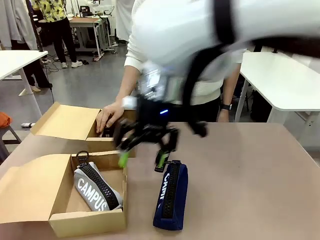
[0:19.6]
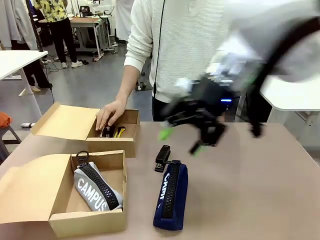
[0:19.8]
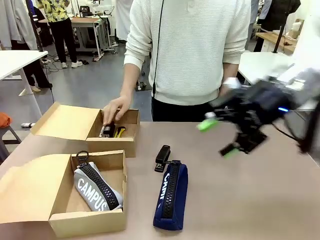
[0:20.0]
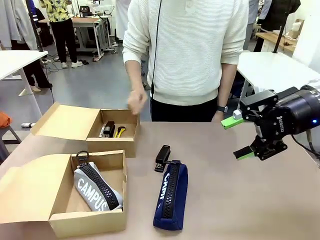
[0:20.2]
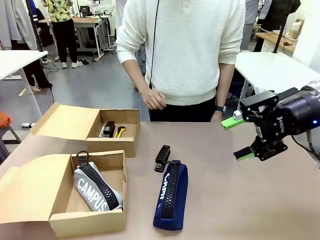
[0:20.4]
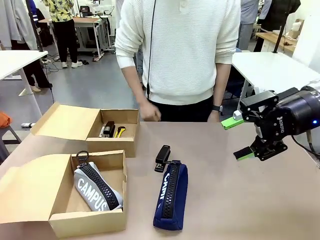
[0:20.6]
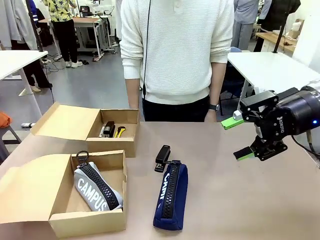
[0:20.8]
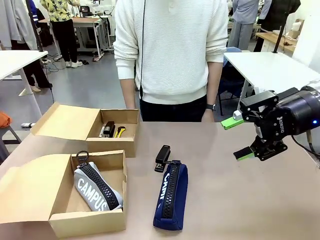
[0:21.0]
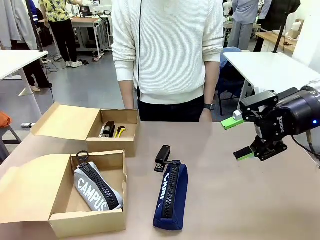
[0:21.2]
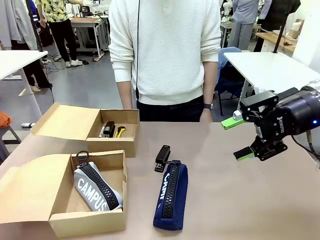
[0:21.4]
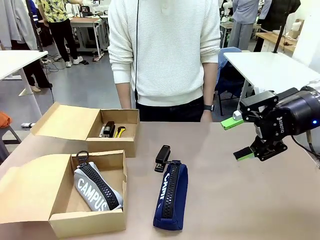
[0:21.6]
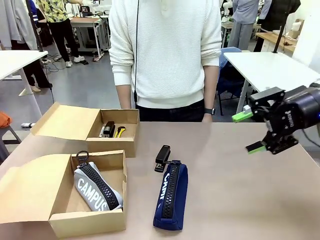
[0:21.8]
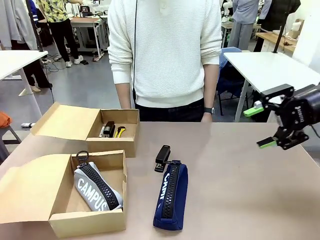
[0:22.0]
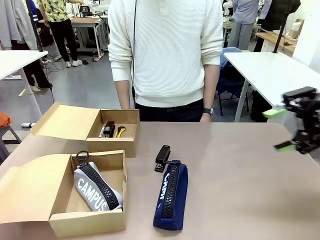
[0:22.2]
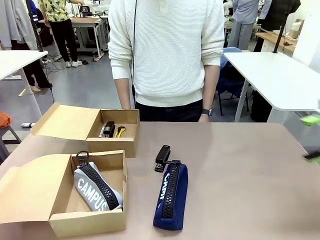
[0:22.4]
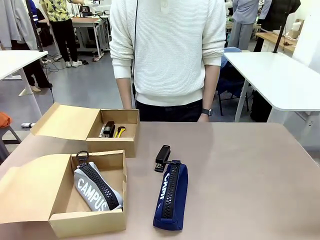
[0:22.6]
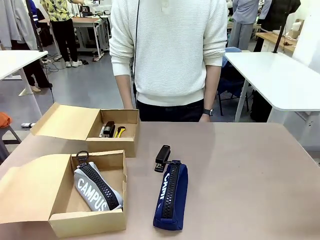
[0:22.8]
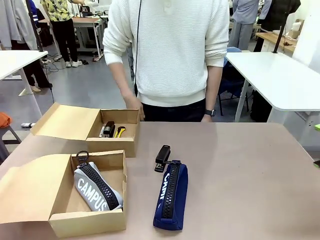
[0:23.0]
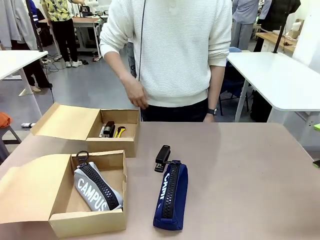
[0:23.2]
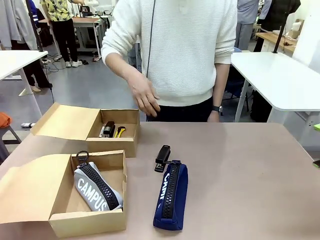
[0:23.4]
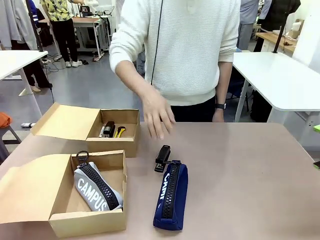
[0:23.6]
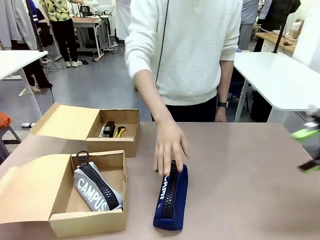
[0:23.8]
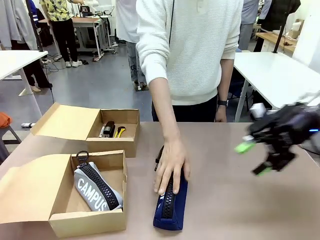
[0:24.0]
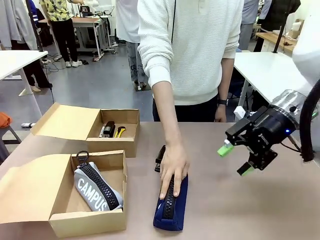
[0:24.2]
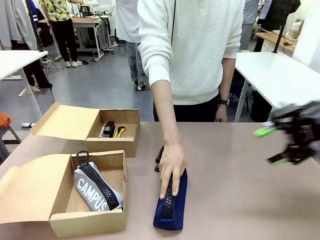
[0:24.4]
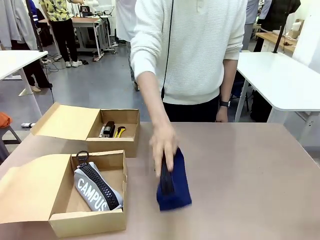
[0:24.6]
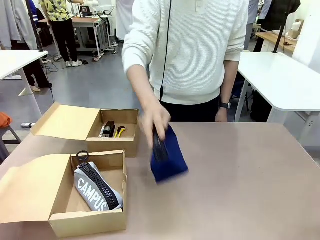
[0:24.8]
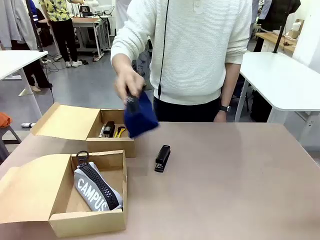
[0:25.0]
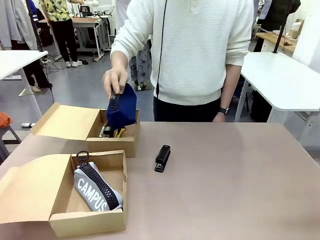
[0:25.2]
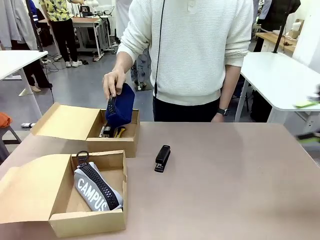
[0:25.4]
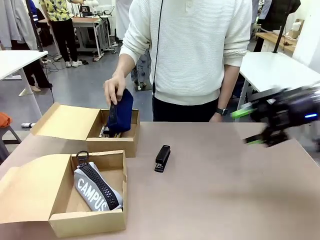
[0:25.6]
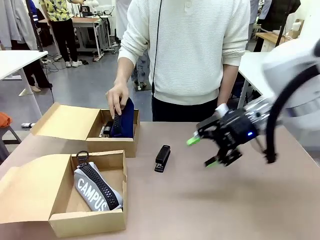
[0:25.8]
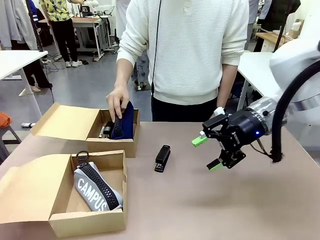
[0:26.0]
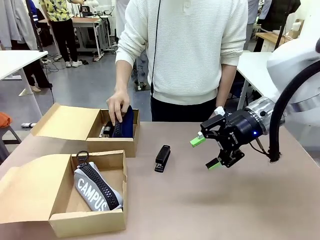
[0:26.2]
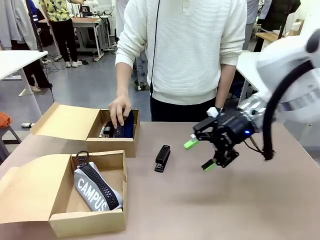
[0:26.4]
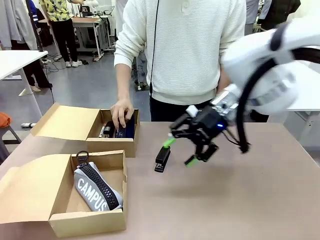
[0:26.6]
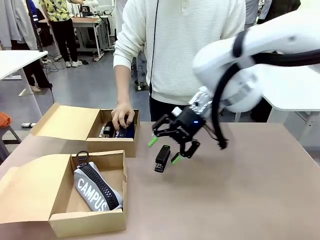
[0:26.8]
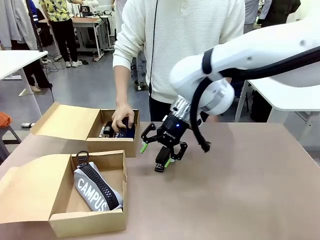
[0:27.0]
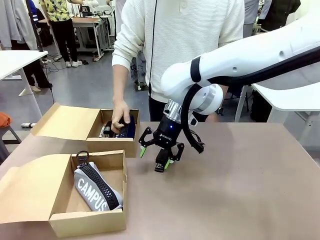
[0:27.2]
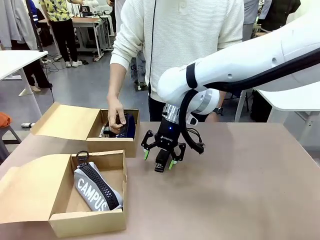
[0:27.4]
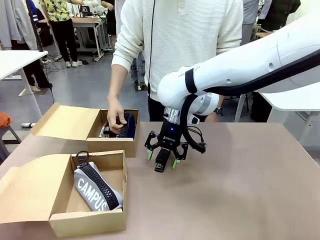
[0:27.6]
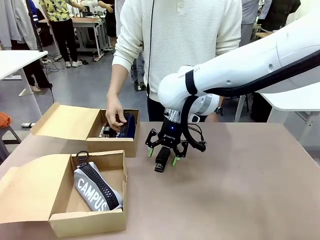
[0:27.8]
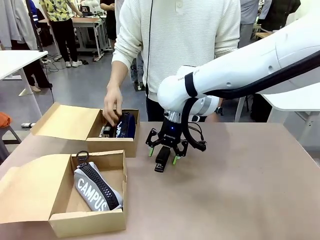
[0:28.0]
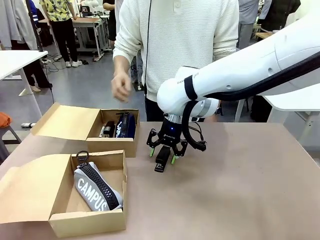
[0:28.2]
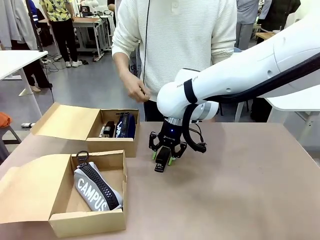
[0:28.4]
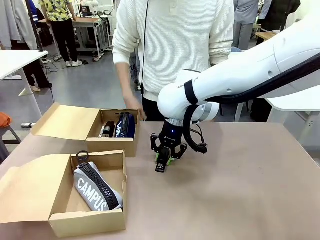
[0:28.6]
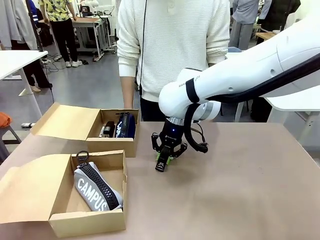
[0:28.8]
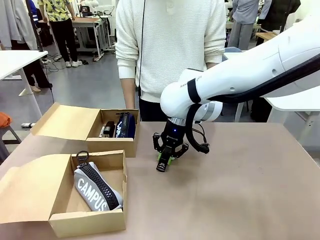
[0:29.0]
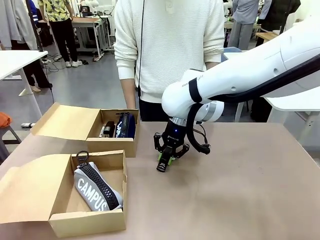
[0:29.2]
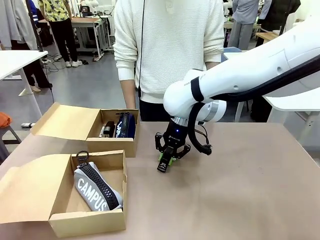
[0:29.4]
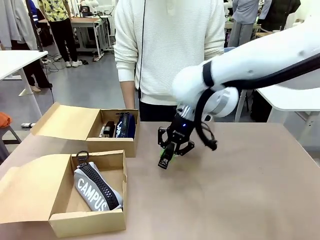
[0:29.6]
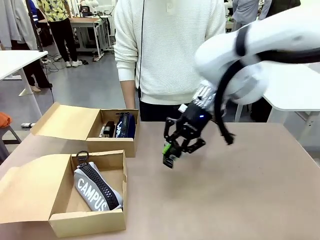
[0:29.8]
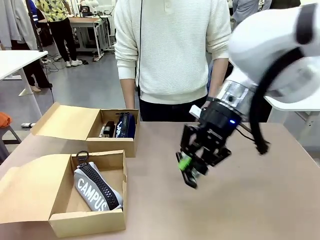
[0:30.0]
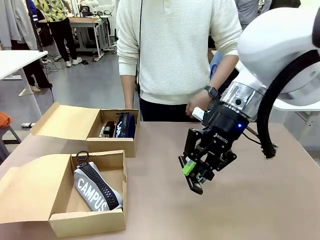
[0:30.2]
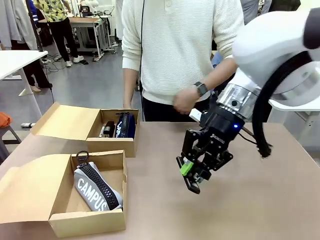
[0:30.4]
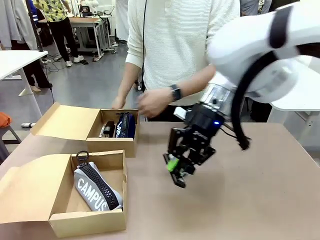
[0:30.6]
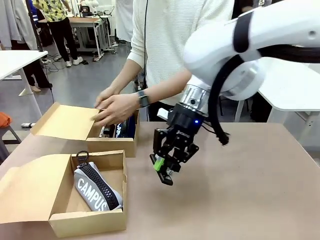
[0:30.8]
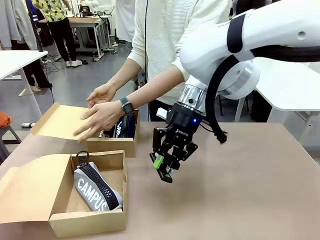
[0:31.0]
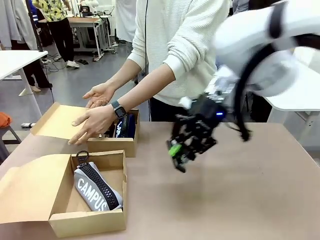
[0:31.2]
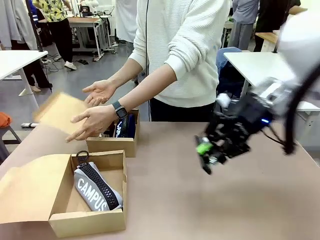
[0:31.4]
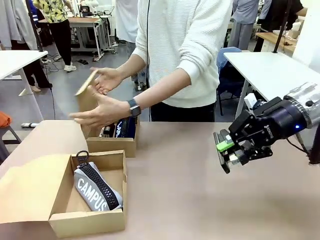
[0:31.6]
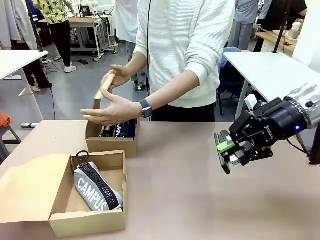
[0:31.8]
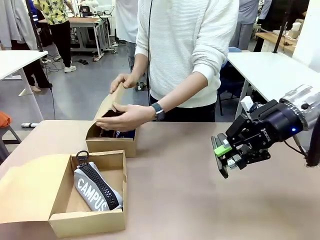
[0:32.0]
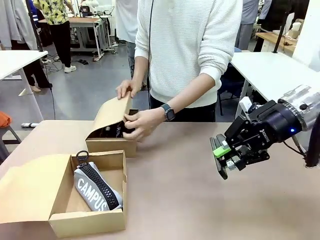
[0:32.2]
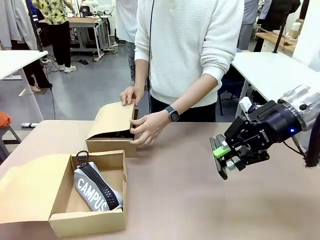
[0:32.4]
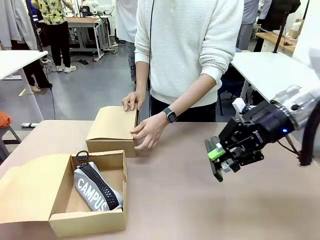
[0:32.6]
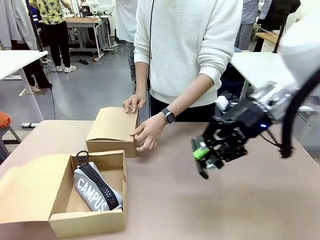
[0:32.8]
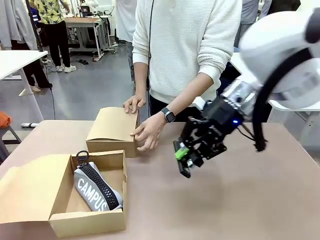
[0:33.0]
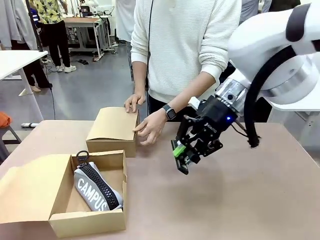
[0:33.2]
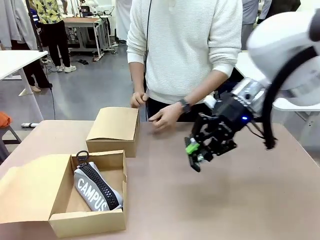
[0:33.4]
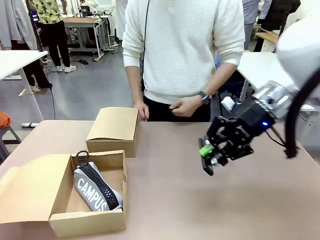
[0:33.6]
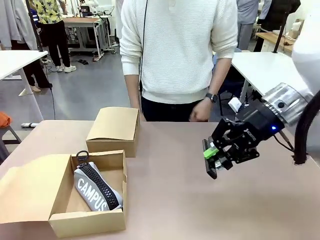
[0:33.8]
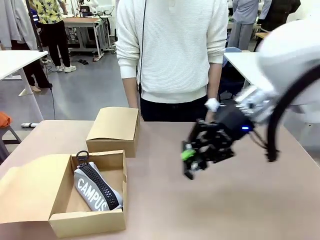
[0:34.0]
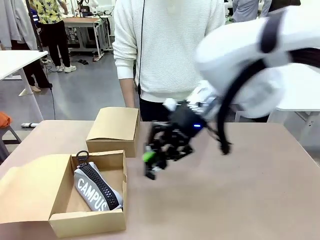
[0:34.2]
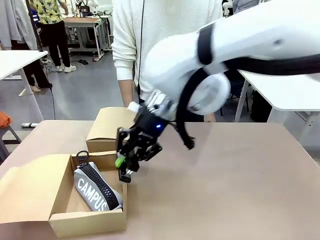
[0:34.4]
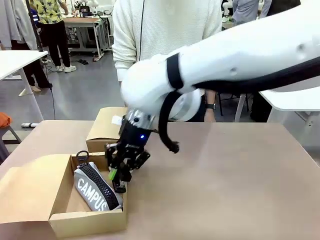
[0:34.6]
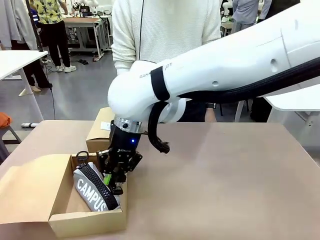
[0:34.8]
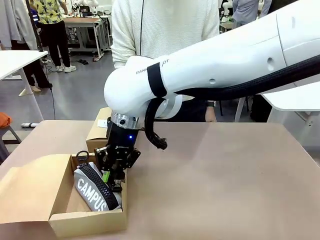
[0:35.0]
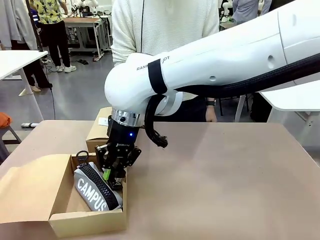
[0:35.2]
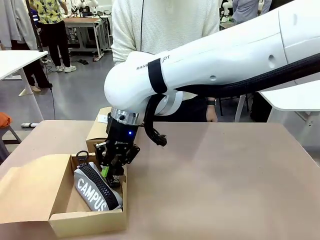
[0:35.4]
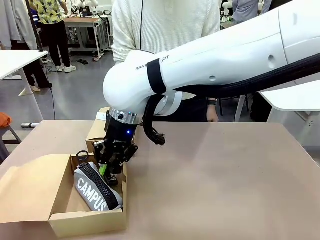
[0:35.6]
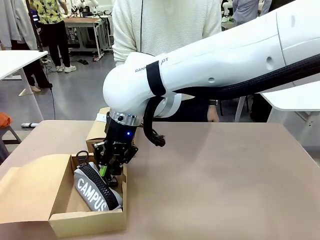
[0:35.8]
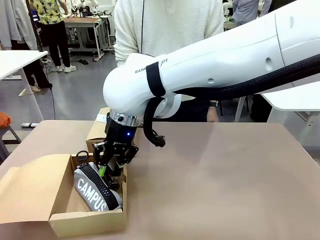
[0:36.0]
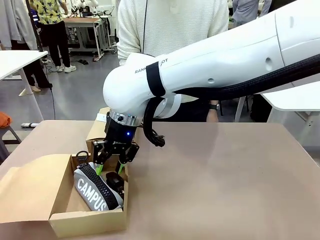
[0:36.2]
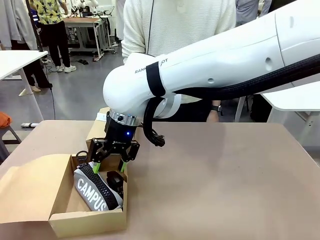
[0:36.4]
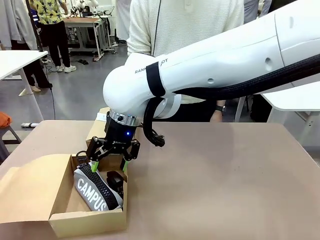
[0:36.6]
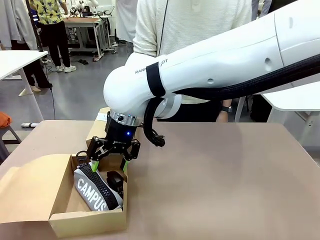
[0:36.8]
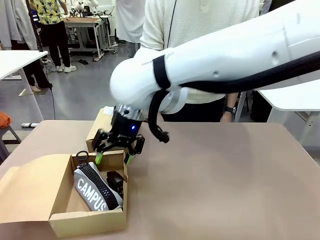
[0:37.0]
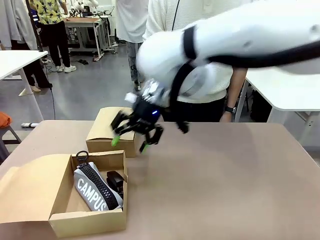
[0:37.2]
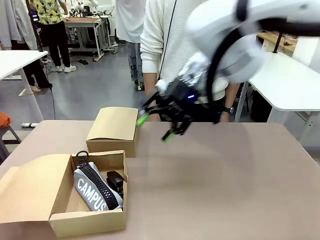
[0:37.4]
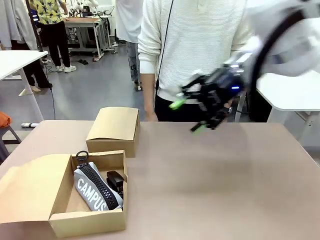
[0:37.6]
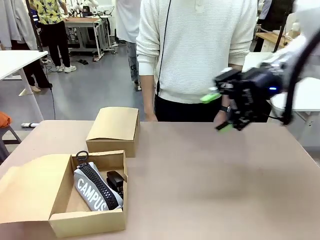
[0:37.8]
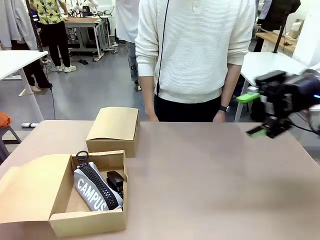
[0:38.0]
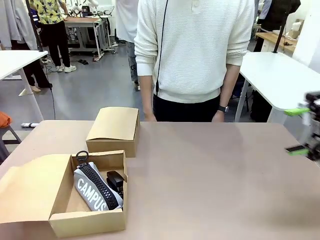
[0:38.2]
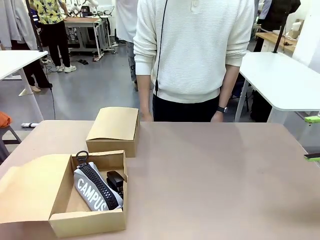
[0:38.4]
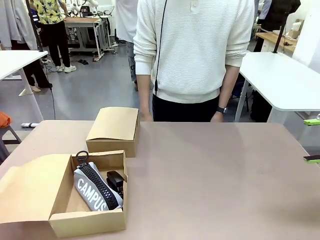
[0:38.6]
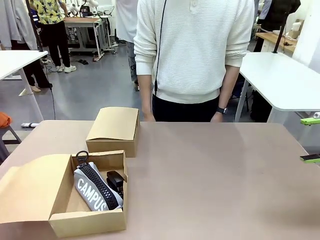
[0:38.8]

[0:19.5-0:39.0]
Task: Place items inside the box.
Robot: Pick up a Pencil pouch or Stapler and place it inside the Mailer Box closest to the robot.
Person: Close the lid of the box facing the person.
